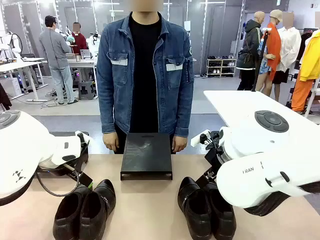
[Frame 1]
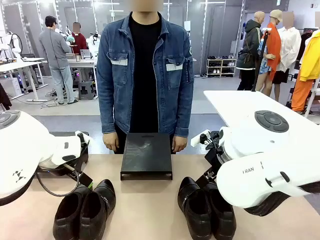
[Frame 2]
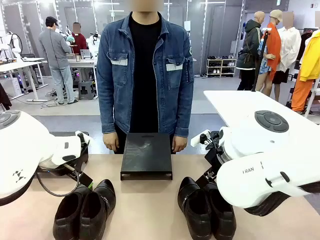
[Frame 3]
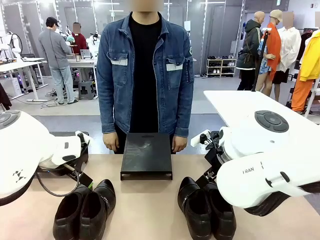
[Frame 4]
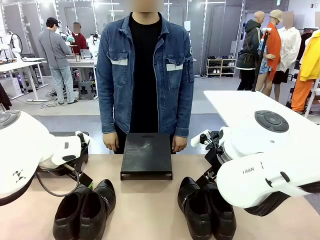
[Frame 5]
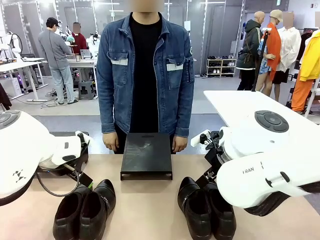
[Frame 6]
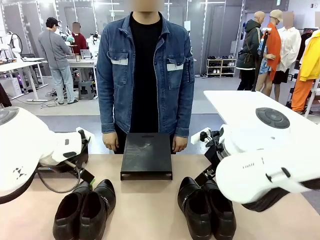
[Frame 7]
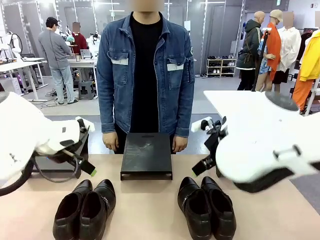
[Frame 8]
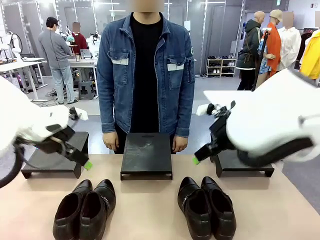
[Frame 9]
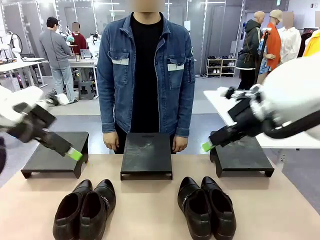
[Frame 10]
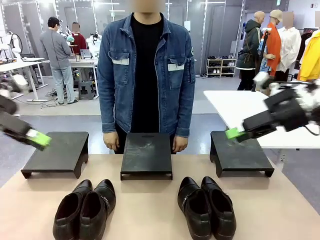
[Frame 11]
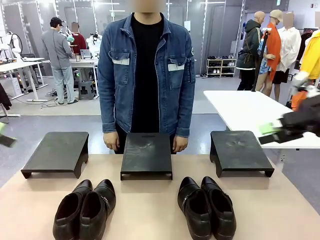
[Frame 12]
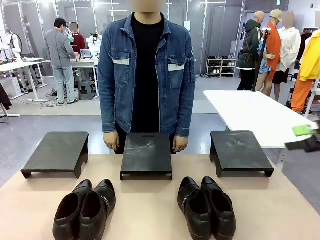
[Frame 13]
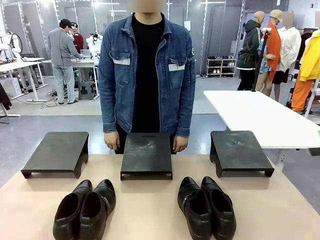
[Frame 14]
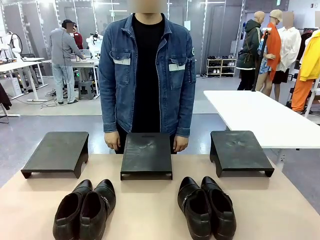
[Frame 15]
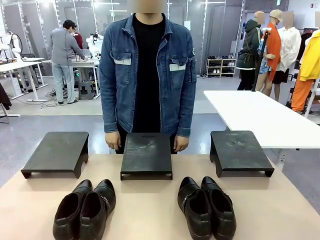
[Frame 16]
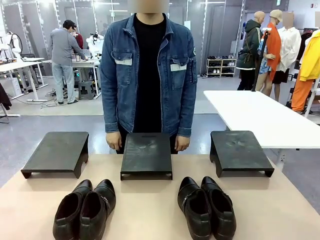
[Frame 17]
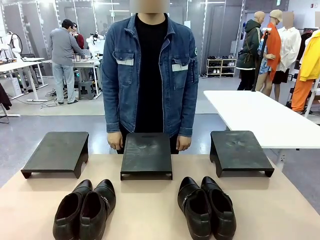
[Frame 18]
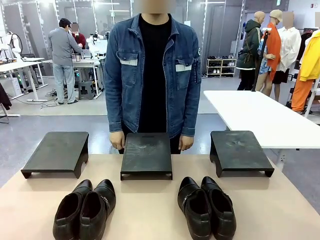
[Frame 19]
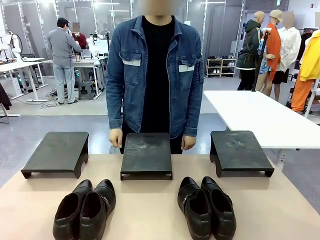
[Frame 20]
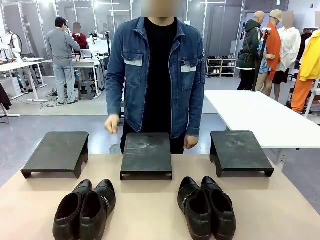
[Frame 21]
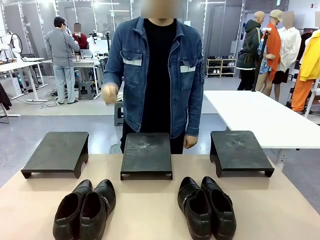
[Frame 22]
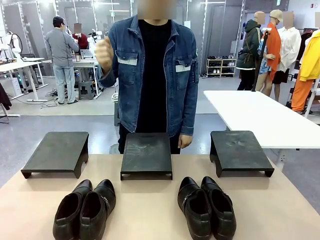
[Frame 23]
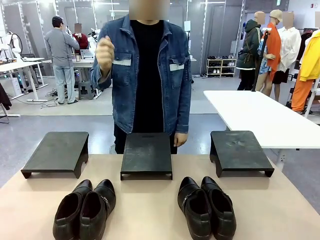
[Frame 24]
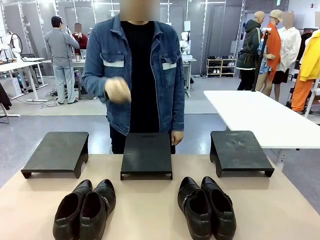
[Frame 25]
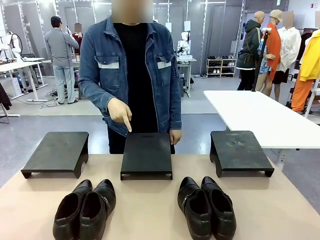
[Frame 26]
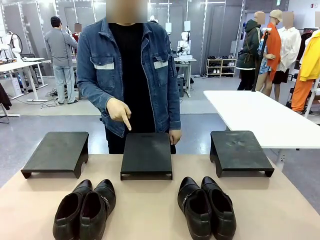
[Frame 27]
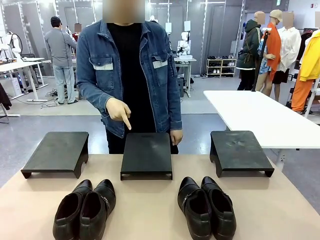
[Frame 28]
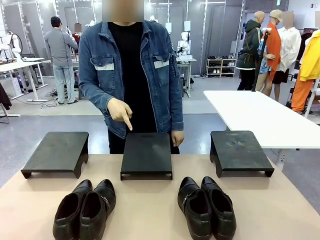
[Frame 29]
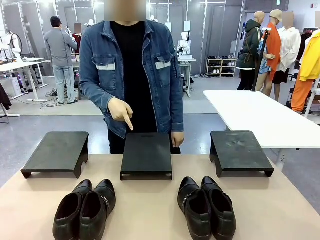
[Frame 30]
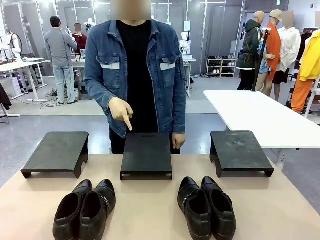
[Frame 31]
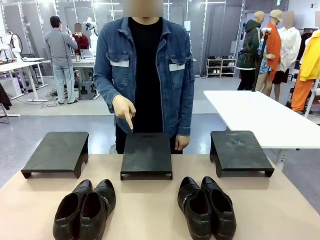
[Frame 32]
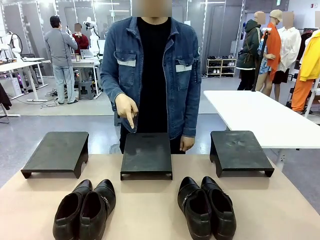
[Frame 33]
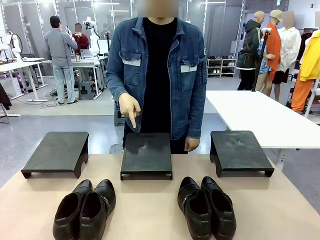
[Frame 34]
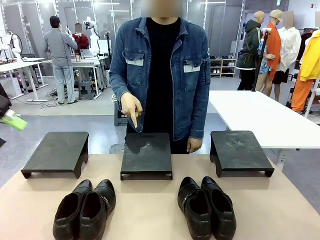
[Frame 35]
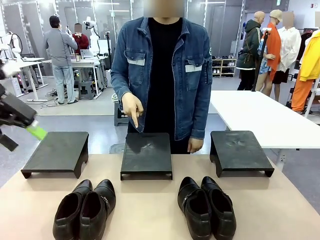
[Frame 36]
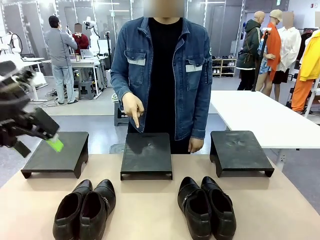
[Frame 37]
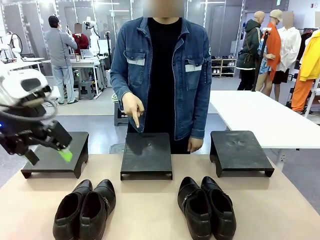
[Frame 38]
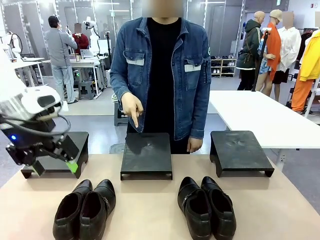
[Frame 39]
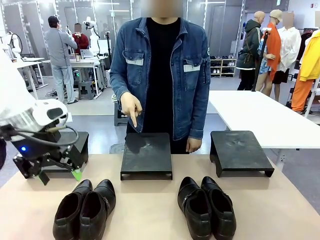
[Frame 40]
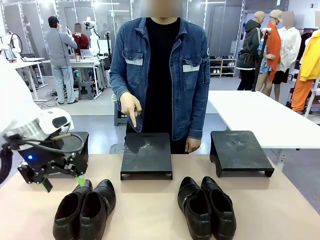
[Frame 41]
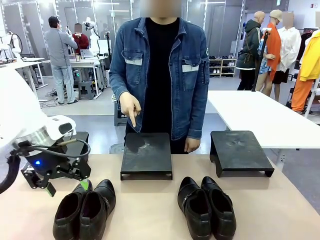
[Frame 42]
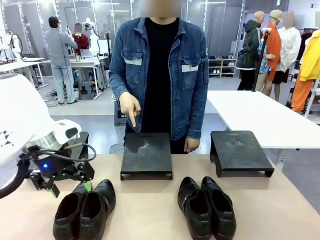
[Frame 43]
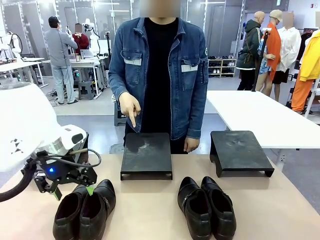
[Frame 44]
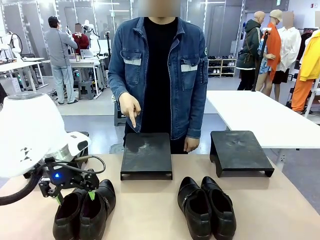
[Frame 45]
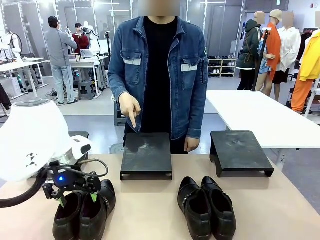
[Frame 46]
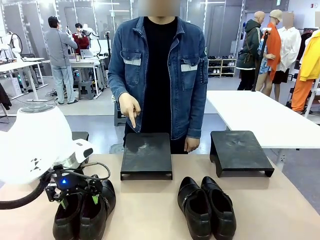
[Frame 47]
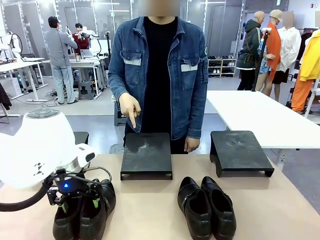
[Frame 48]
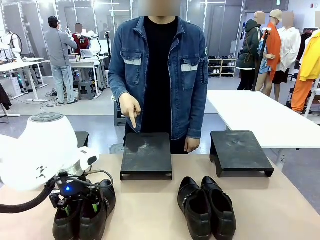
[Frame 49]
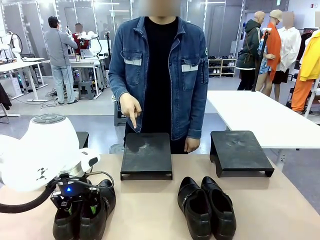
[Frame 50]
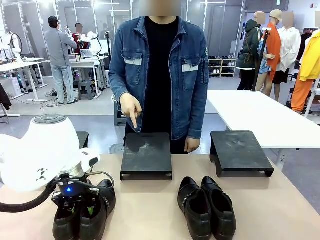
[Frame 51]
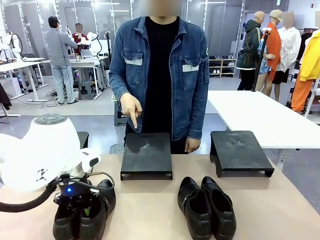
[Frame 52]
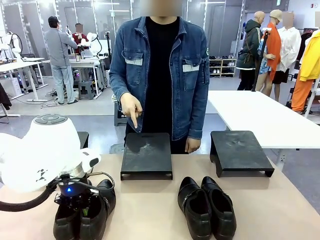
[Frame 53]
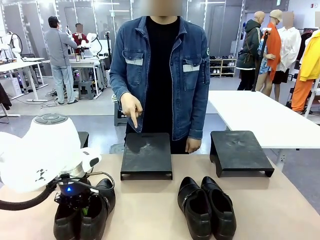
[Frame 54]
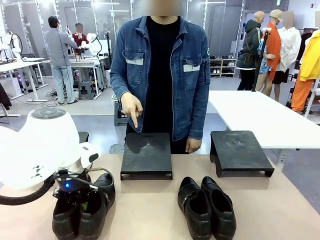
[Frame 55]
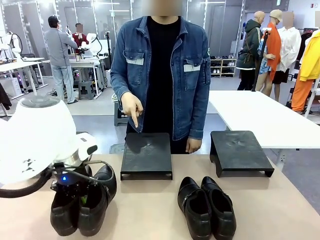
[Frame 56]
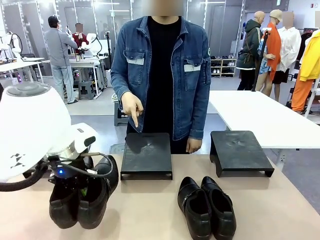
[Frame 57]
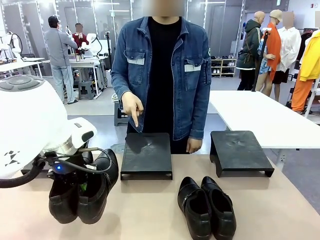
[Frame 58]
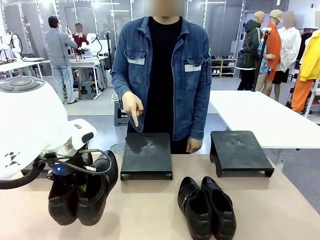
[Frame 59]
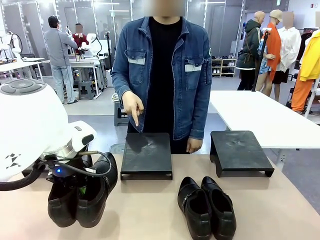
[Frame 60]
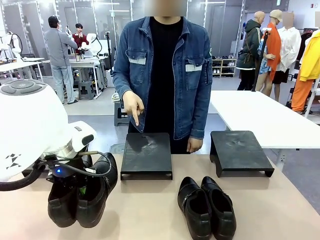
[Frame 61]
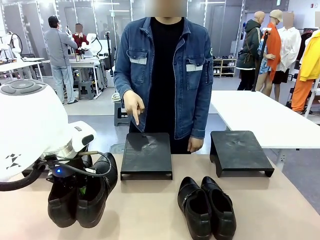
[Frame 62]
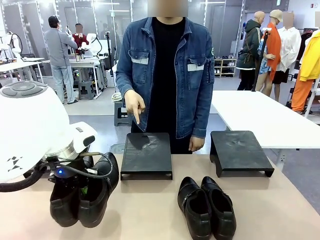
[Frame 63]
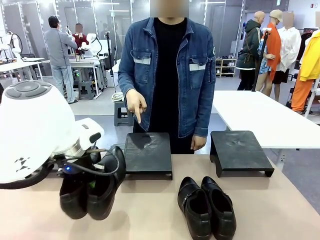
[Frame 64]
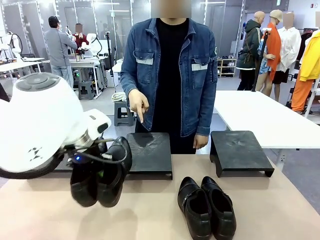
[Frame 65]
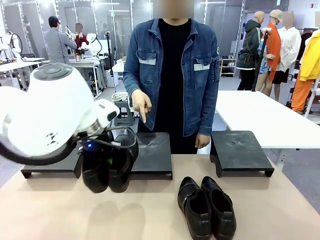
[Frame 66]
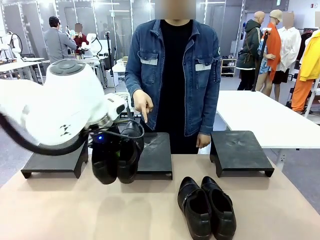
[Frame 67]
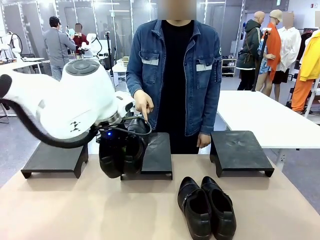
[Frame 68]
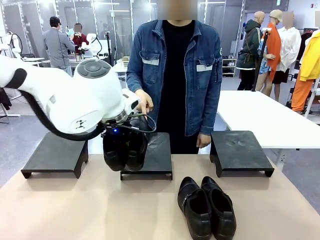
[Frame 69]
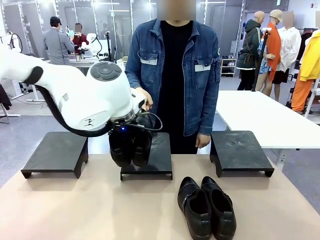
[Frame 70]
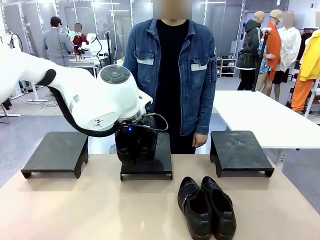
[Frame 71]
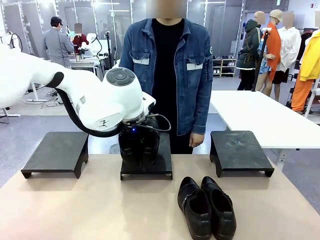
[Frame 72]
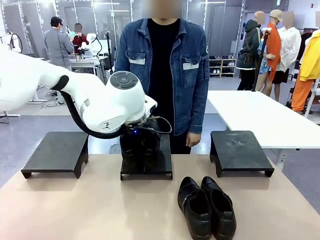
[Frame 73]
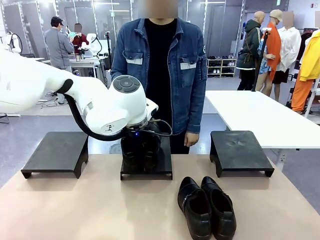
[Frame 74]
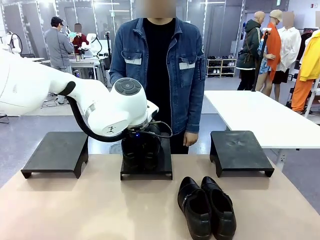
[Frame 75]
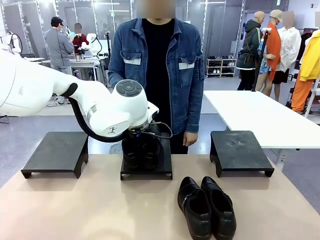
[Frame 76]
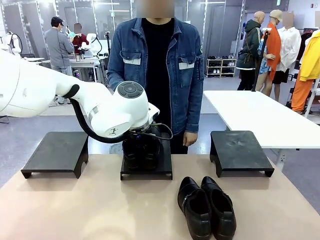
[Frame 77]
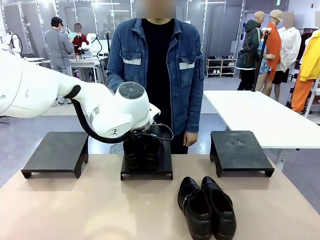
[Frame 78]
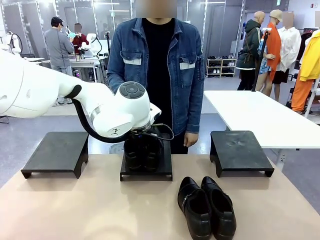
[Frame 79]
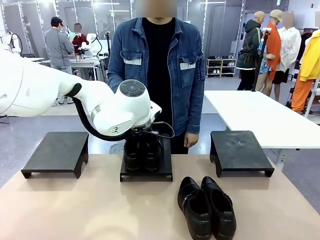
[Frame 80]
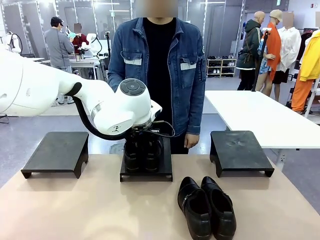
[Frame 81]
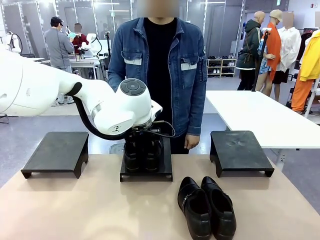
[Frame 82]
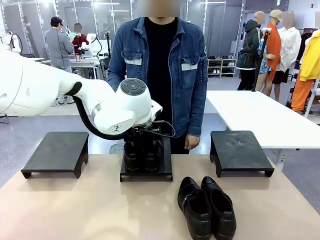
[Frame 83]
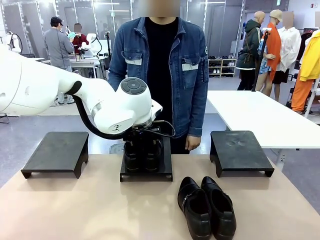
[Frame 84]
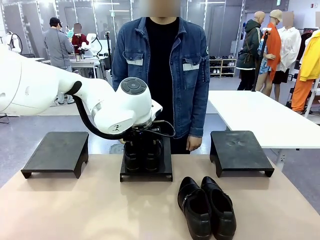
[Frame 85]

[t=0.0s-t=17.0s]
Task: Place the shoes on the stand as instructed by the person.
Robot: Pick up one pair of Shoes and place it on the Shoes Stand indicated by the person.
